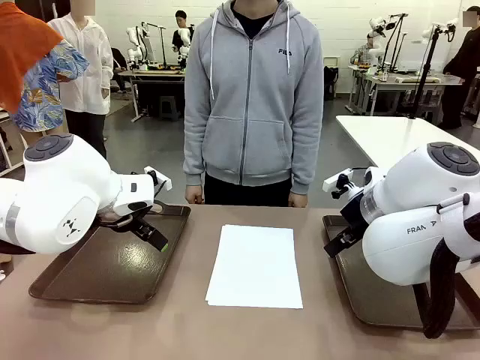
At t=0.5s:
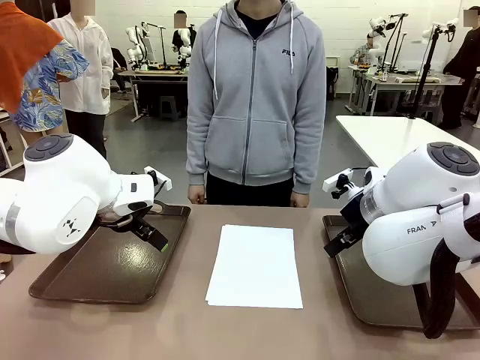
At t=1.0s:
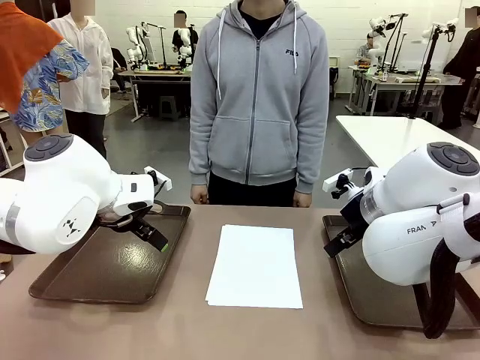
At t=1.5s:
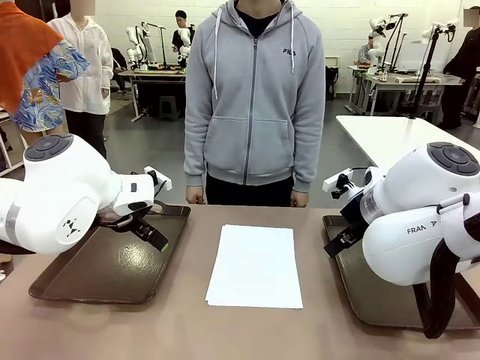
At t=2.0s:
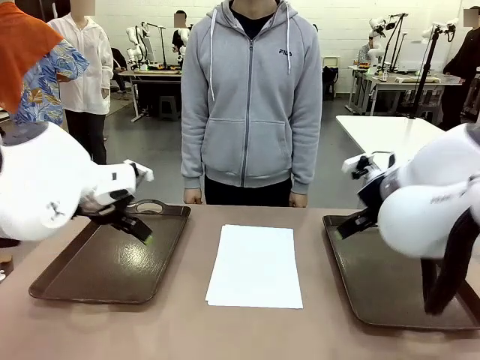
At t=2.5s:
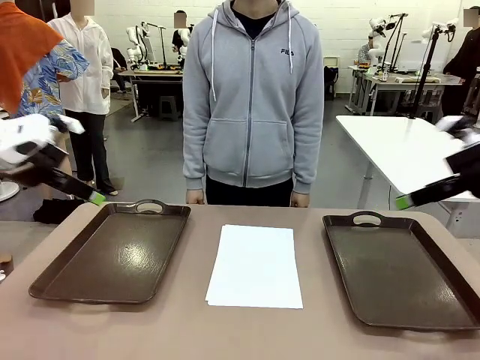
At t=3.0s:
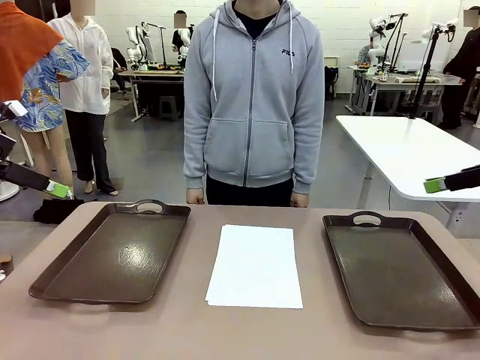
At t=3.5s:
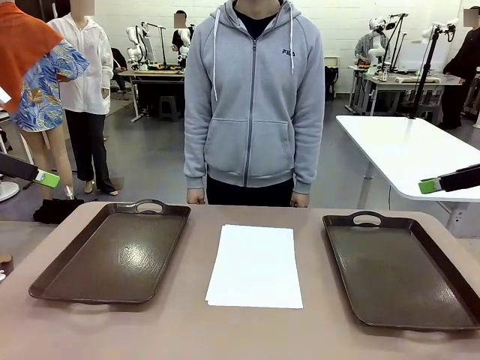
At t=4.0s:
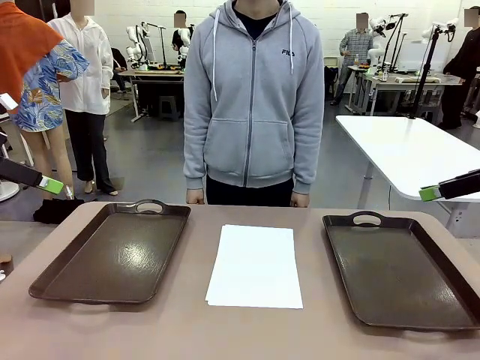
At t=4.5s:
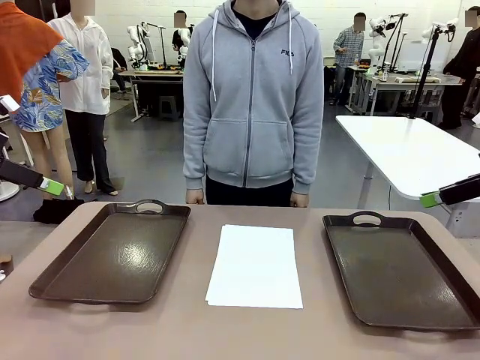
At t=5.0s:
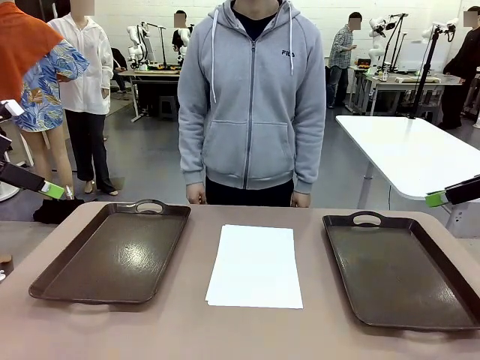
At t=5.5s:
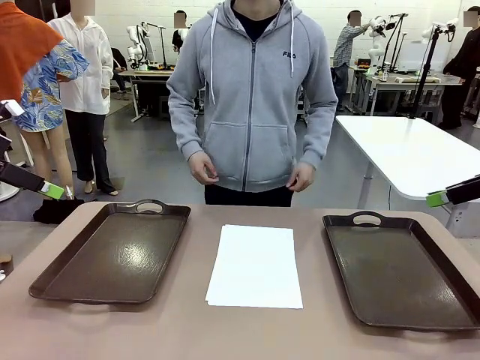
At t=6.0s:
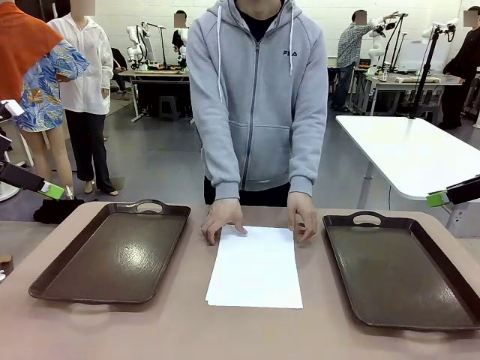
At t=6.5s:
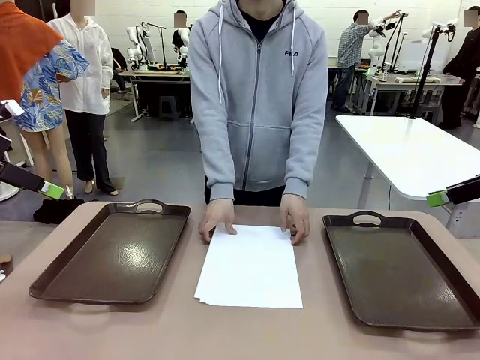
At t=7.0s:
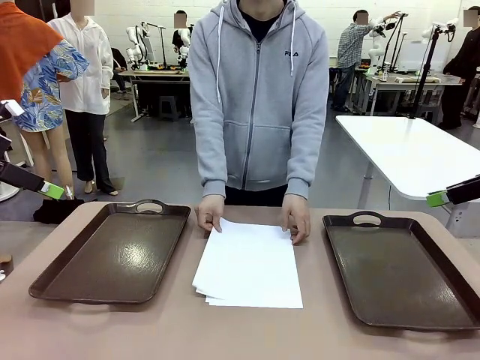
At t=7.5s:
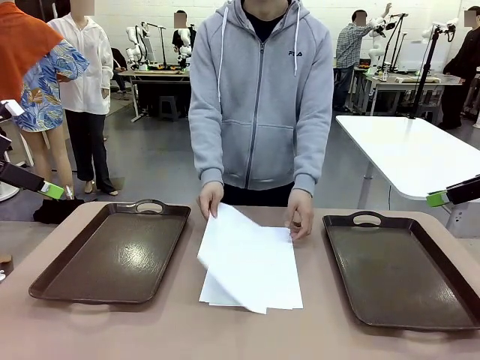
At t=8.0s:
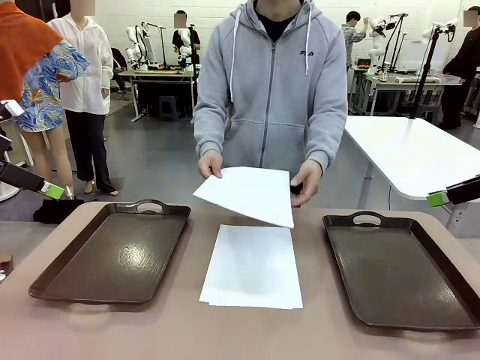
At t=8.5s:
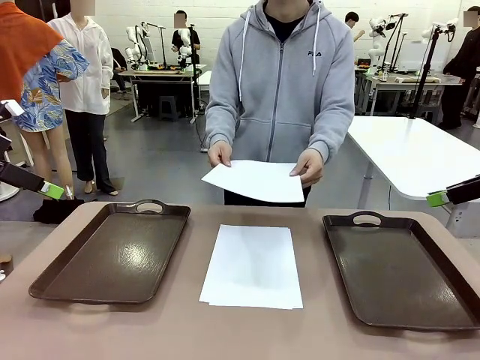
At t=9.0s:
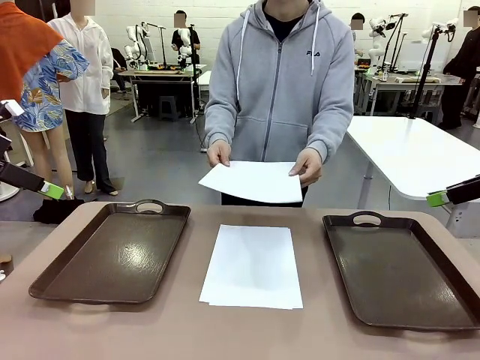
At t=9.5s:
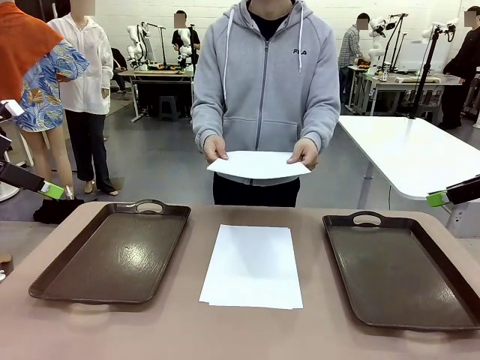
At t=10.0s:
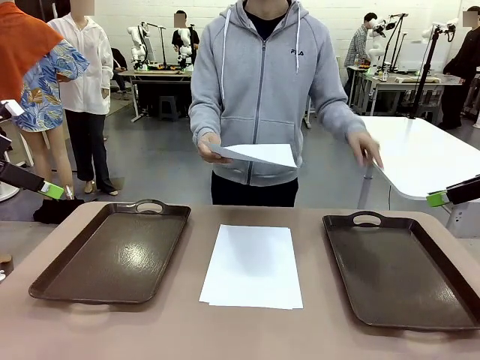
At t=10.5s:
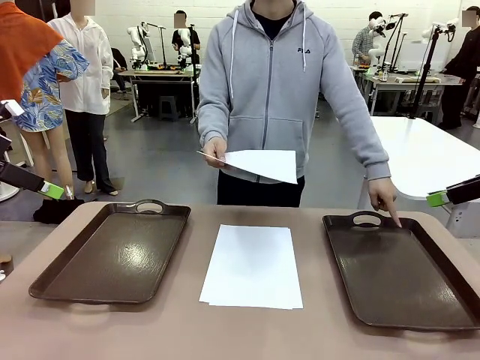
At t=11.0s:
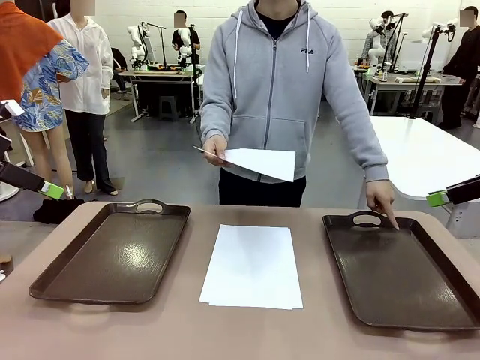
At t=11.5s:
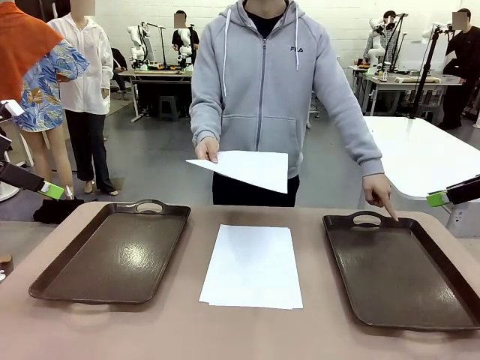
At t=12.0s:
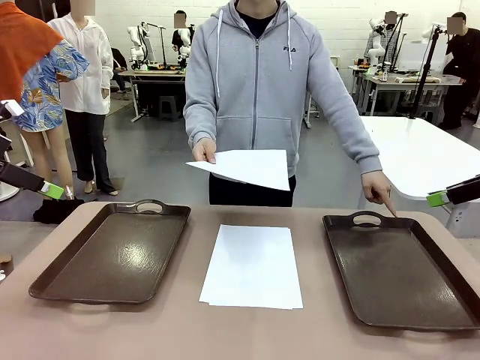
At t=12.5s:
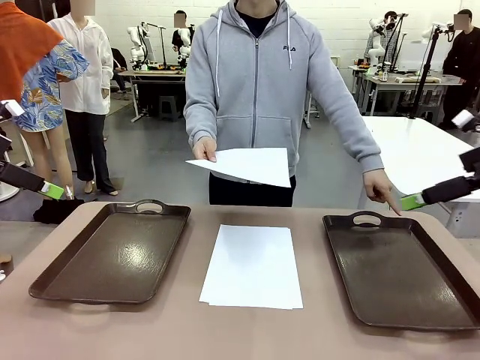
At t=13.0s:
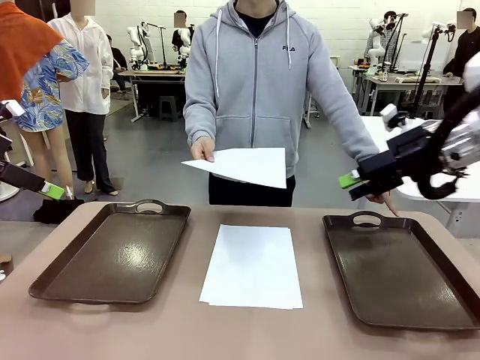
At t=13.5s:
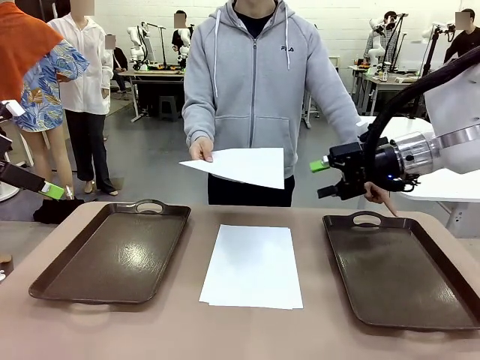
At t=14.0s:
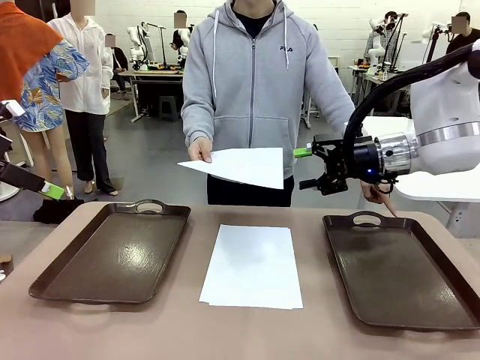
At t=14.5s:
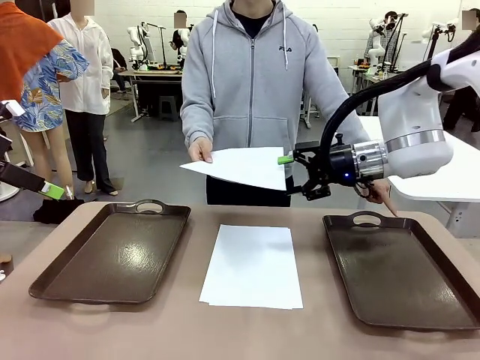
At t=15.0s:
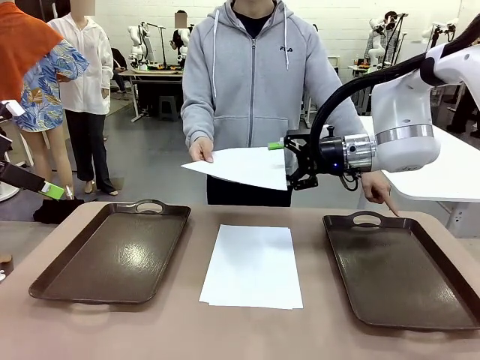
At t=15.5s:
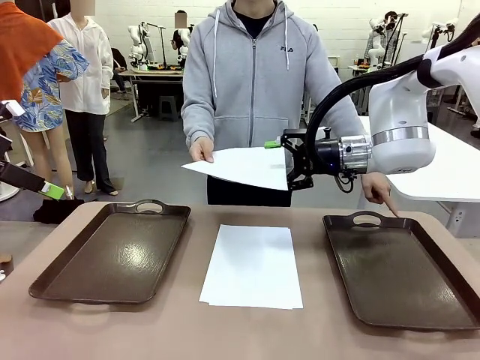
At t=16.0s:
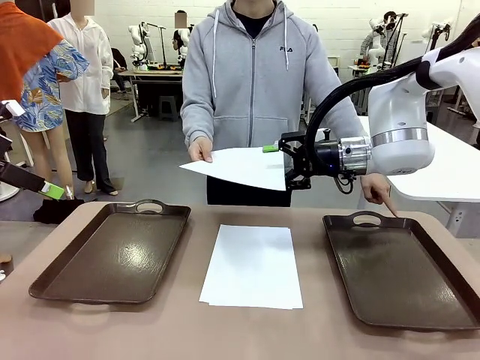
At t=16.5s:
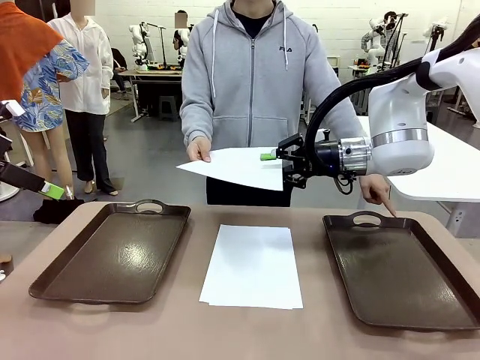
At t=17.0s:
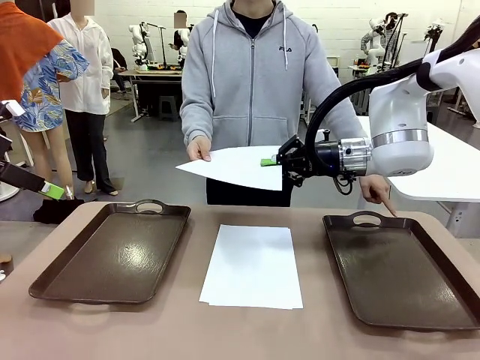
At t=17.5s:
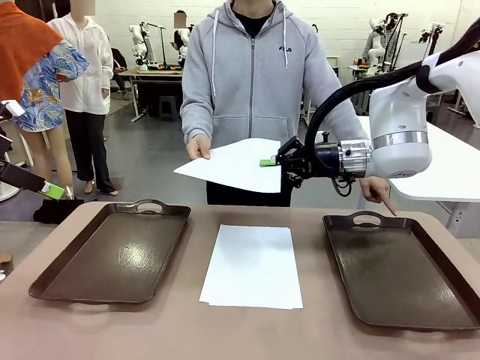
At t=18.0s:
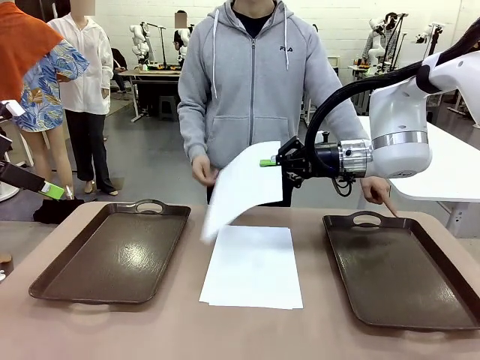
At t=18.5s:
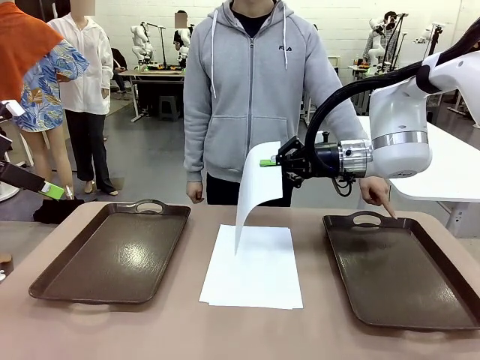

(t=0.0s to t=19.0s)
Task: Sort the A4 documents.
Robot: Receive the A4 Paper.
Person: Pick up a sheet of paper from the center of the table and hand it to the robot. Point the randomly selected tray with the other hand.

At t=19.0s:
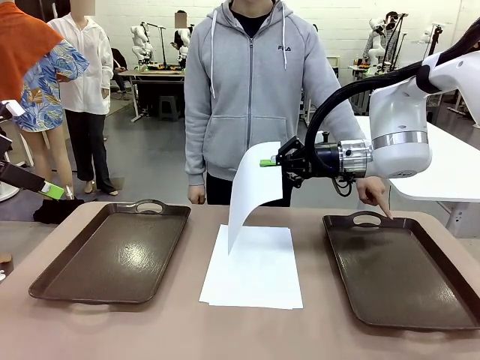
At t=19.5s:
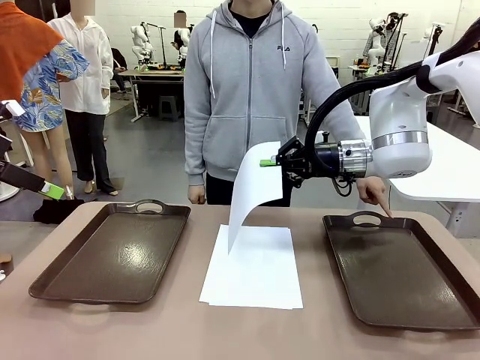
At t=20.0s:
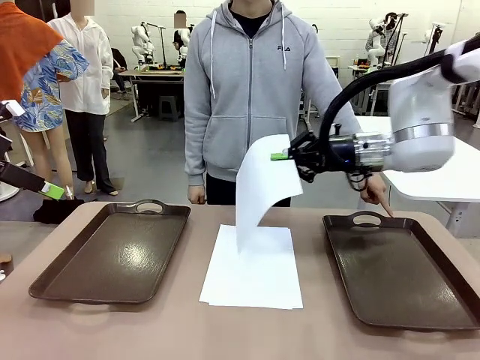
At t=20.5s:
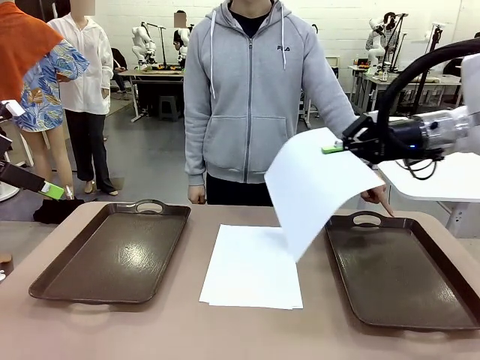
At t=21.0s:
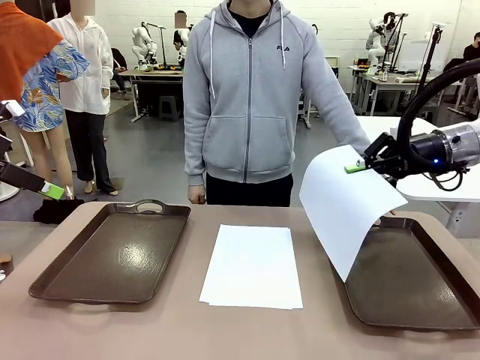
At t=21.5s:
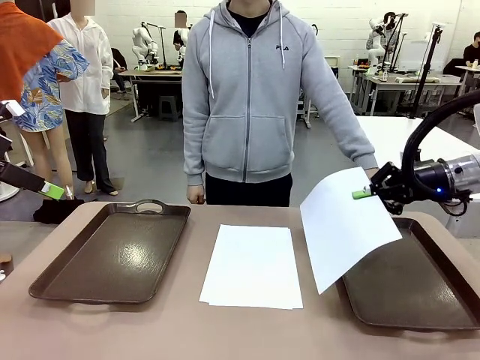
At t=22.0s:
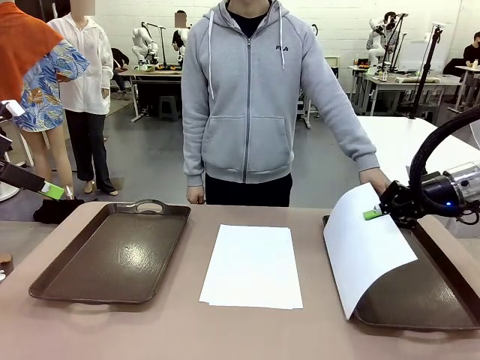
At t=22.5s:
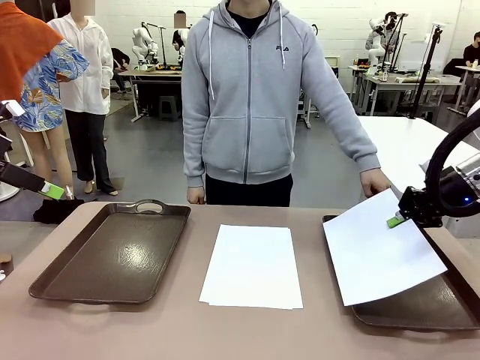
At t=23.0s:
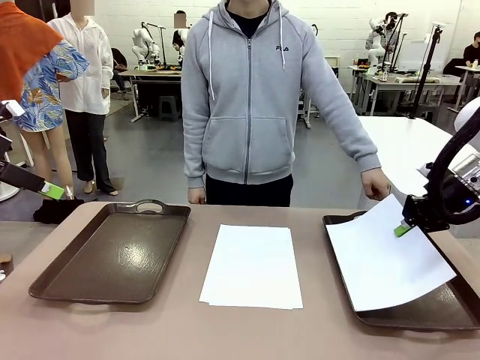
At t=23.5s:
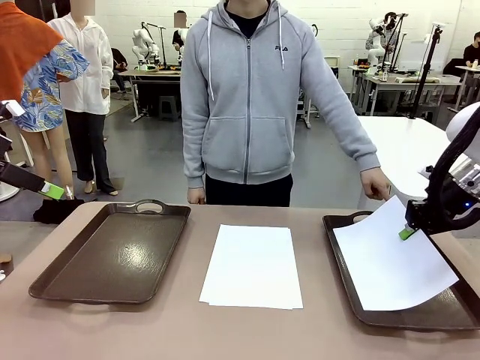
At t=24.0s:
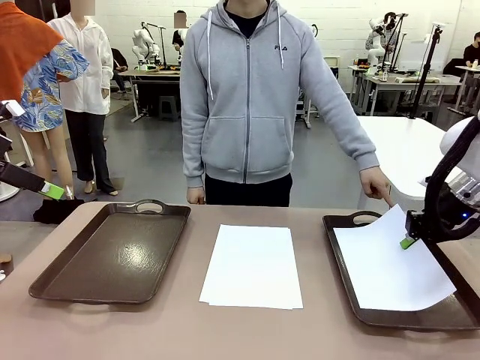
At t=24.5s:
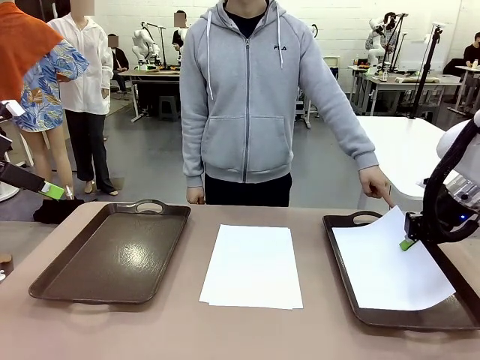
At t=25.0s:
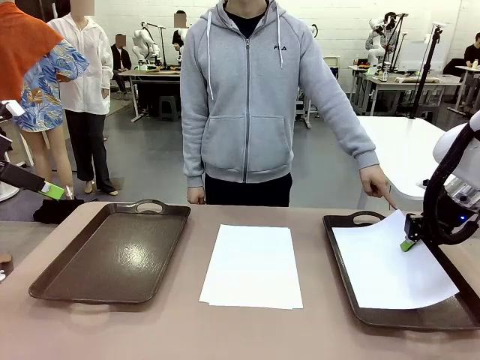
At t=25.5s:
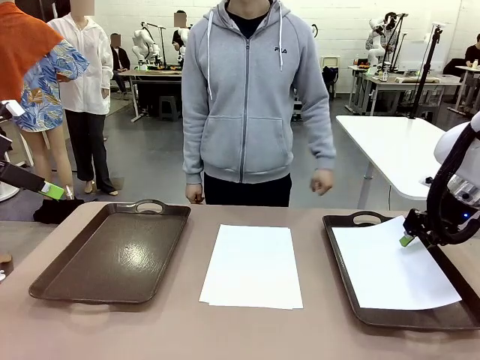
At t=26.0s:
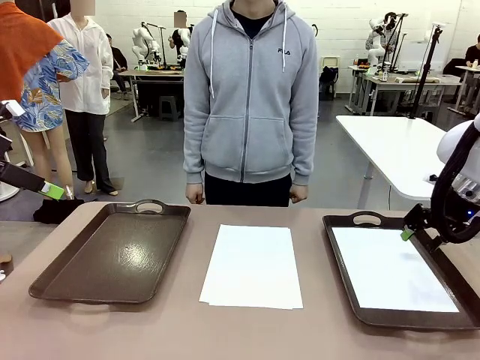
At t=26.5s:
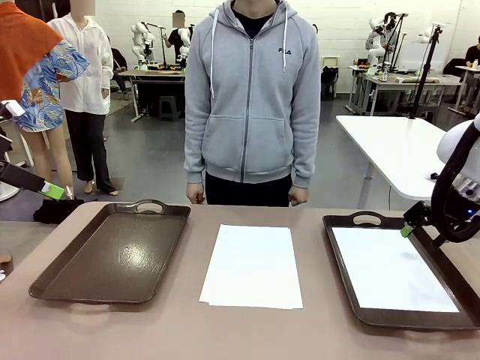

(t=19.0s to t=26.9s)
Robot: Place the A4 Paper in the designated Handle tray.
